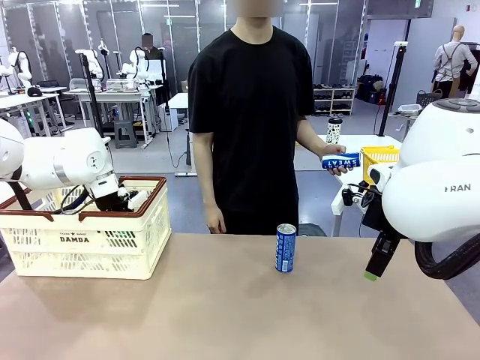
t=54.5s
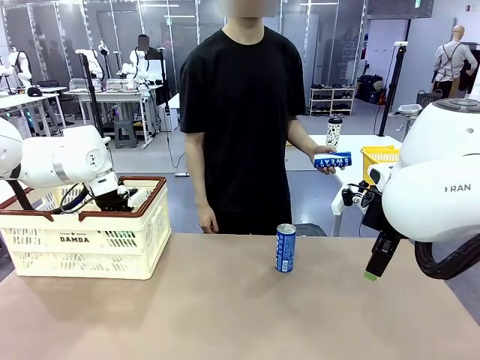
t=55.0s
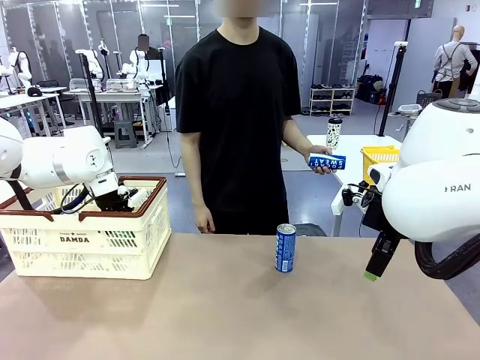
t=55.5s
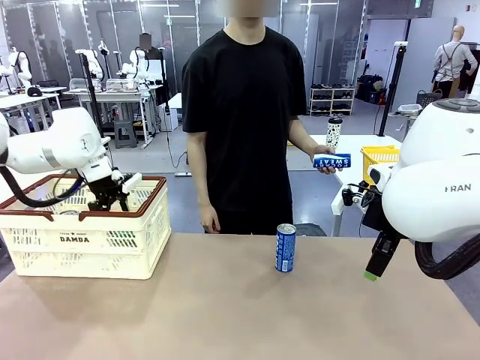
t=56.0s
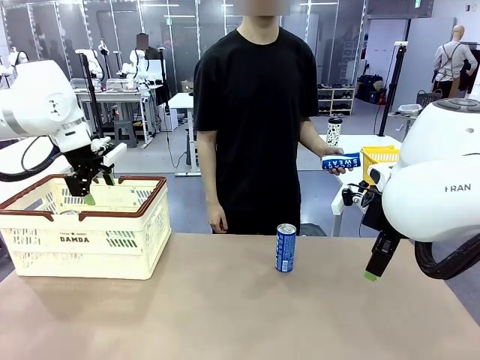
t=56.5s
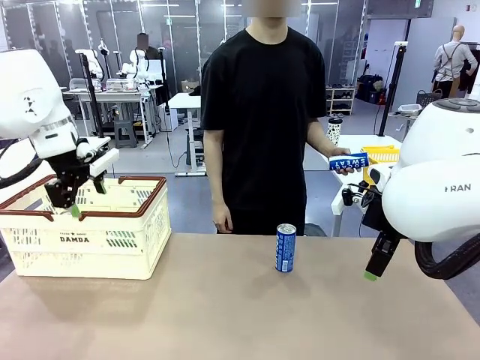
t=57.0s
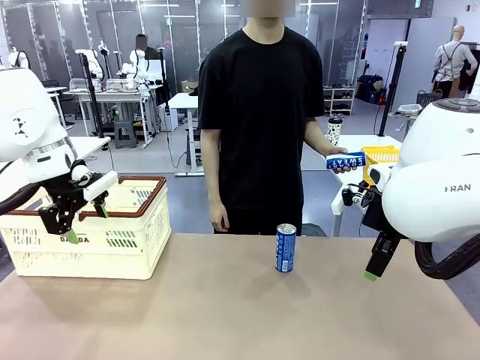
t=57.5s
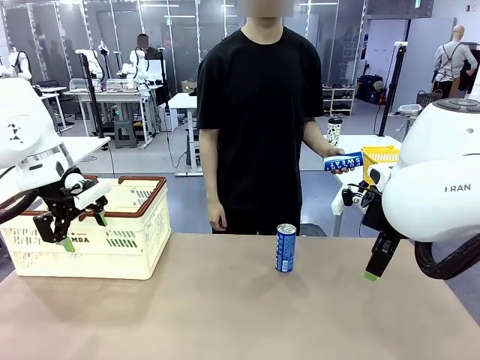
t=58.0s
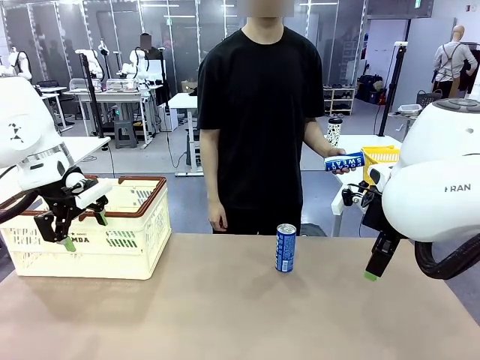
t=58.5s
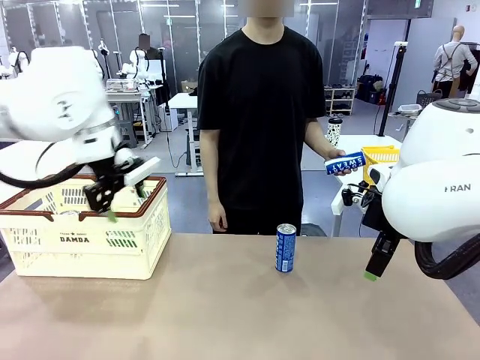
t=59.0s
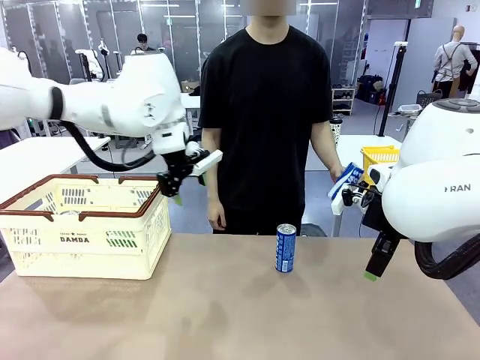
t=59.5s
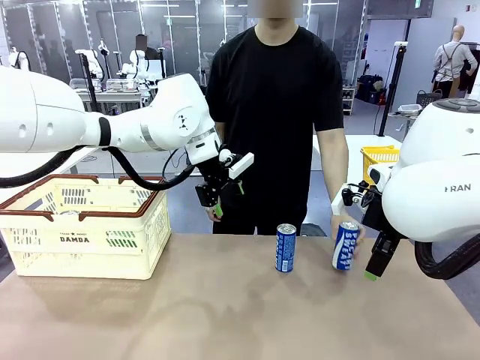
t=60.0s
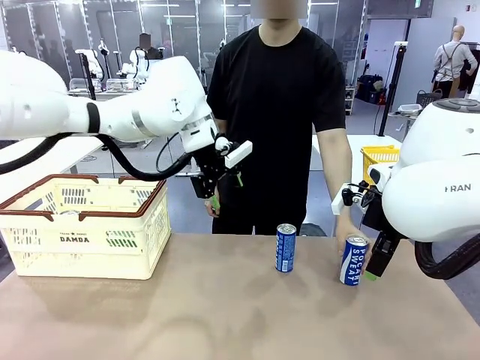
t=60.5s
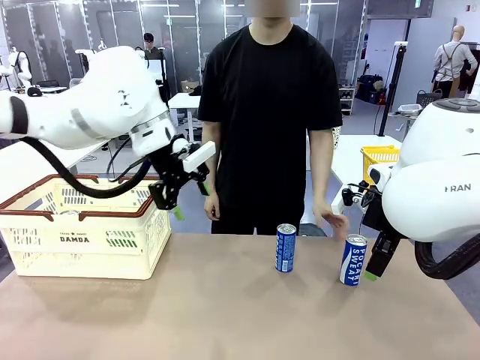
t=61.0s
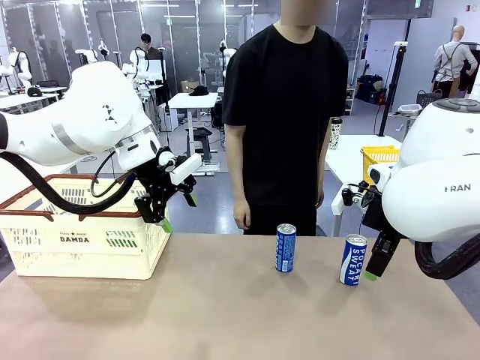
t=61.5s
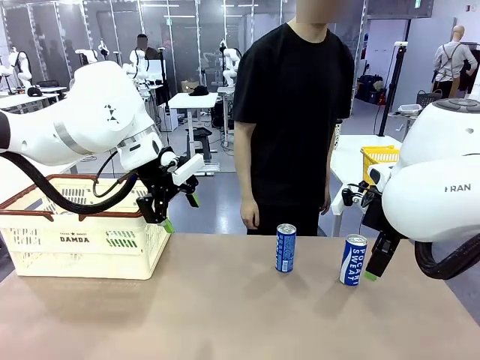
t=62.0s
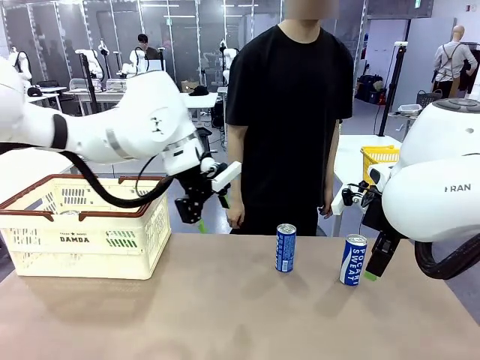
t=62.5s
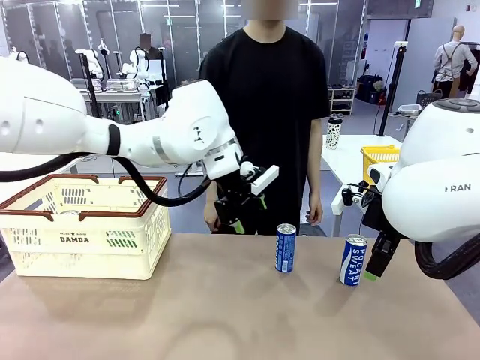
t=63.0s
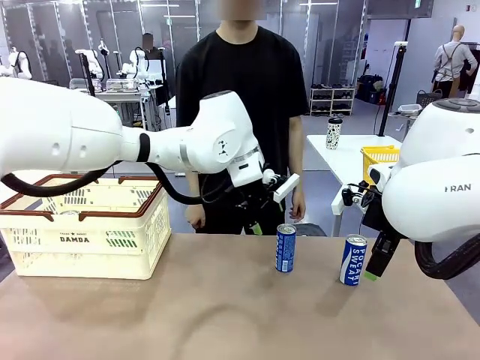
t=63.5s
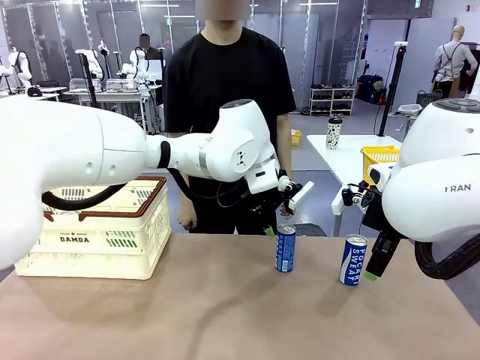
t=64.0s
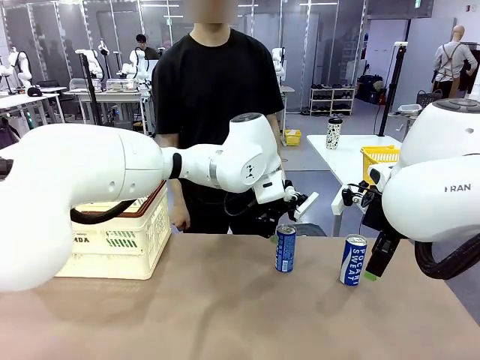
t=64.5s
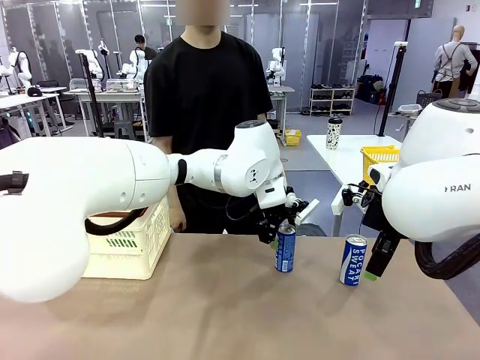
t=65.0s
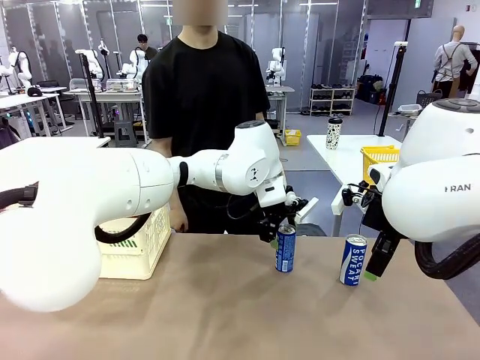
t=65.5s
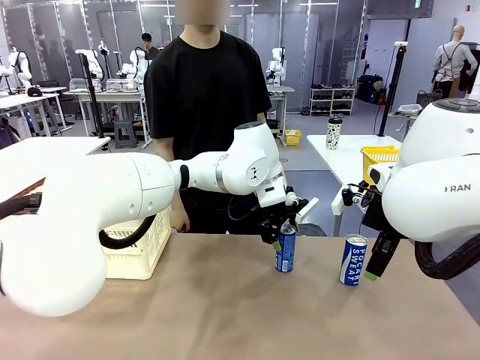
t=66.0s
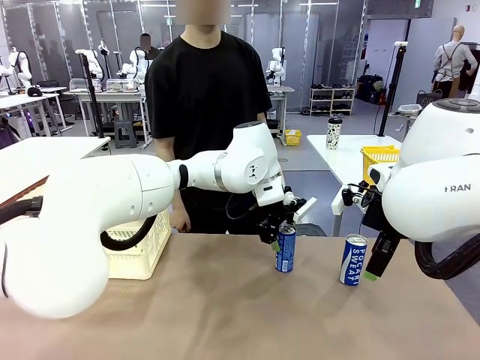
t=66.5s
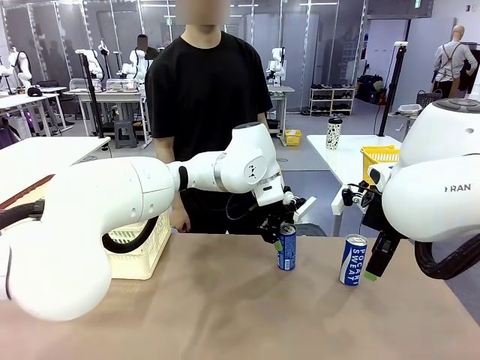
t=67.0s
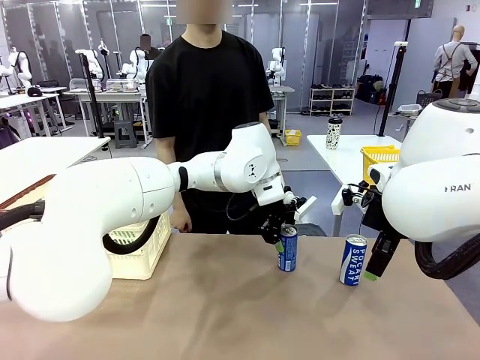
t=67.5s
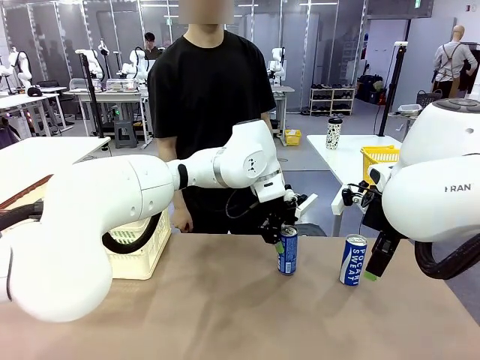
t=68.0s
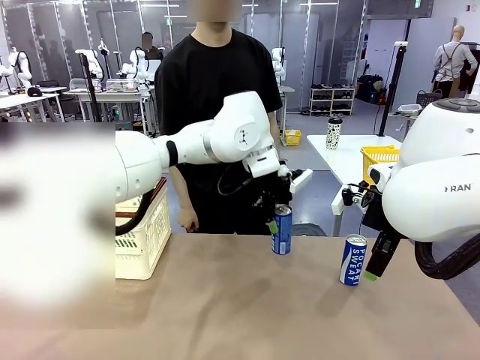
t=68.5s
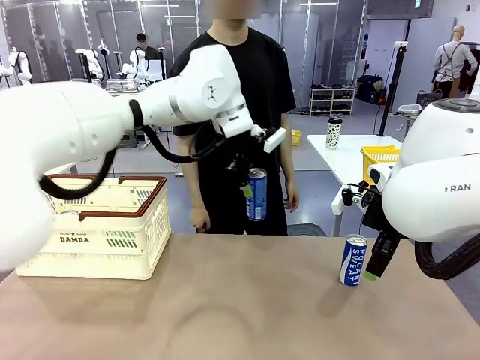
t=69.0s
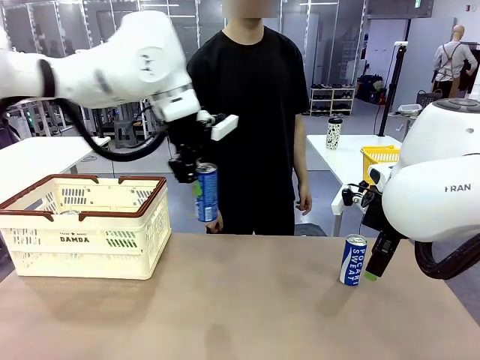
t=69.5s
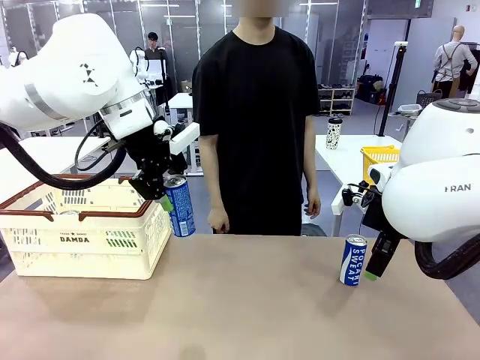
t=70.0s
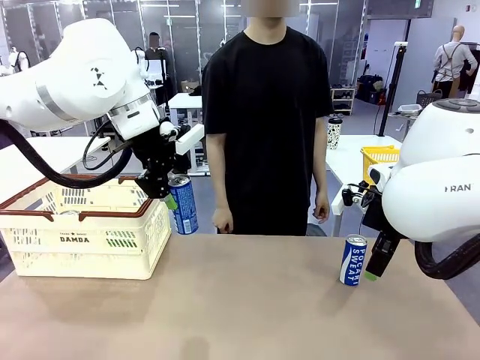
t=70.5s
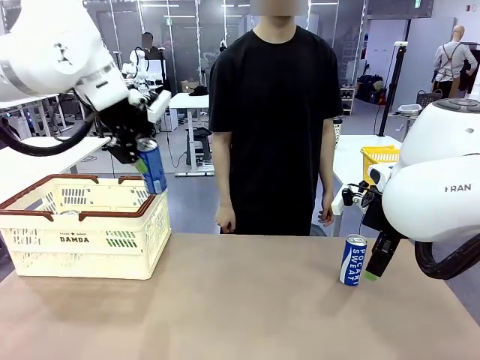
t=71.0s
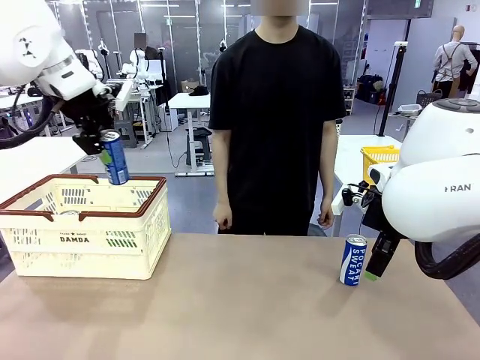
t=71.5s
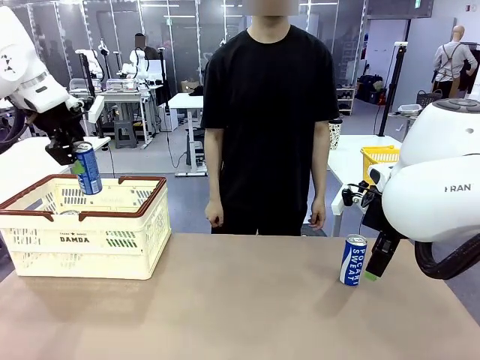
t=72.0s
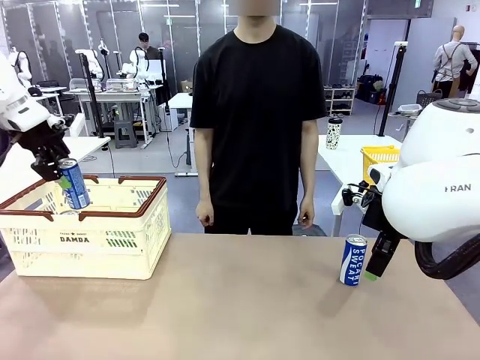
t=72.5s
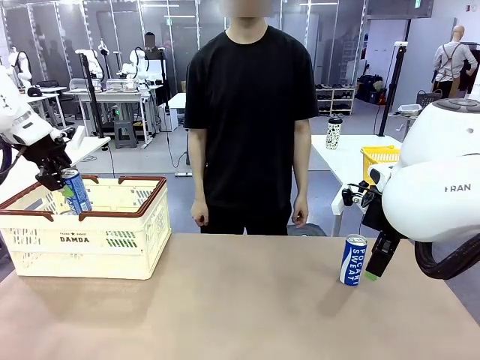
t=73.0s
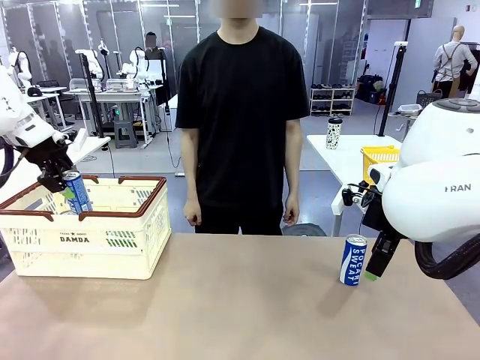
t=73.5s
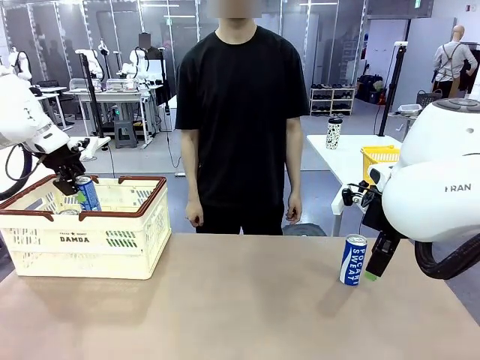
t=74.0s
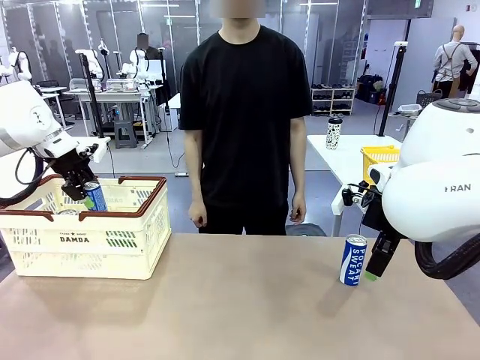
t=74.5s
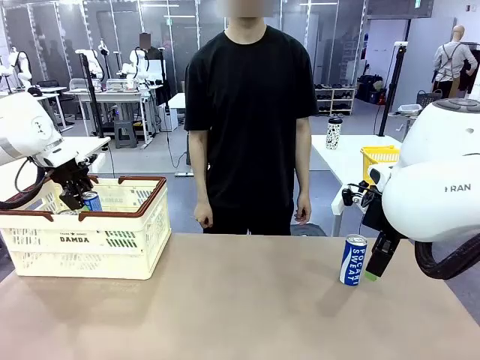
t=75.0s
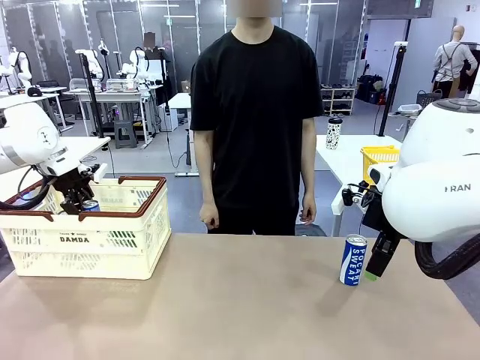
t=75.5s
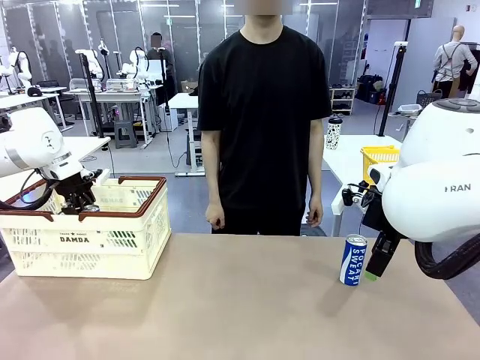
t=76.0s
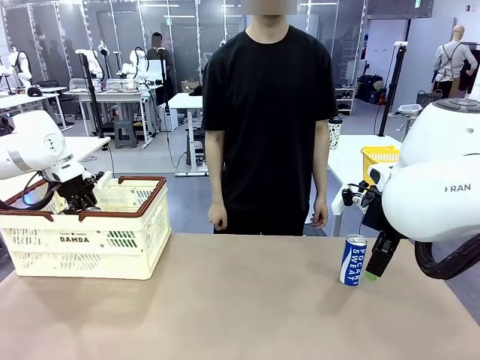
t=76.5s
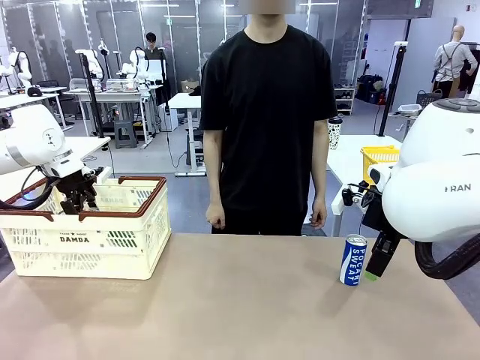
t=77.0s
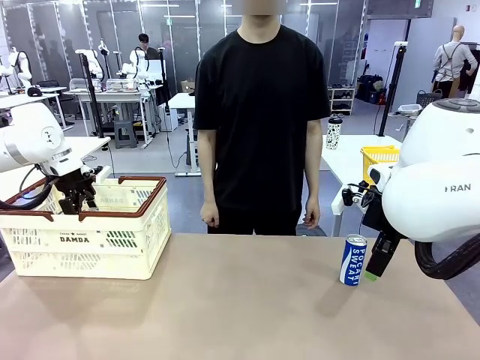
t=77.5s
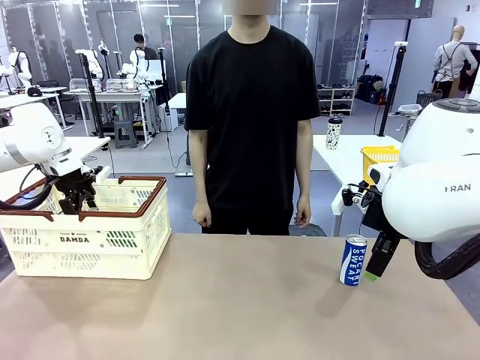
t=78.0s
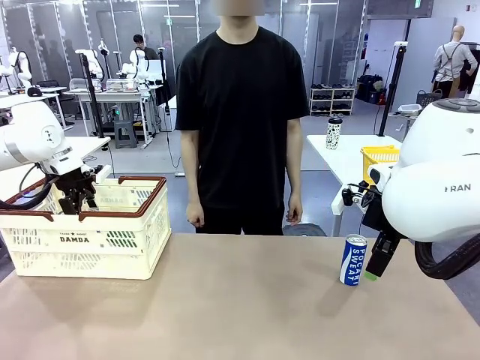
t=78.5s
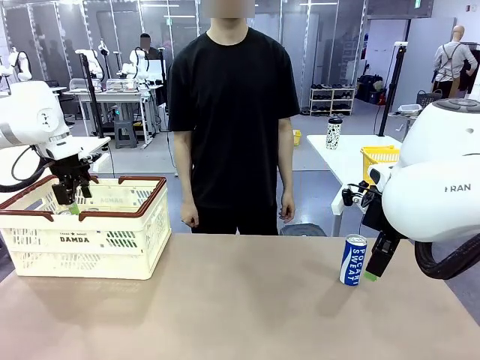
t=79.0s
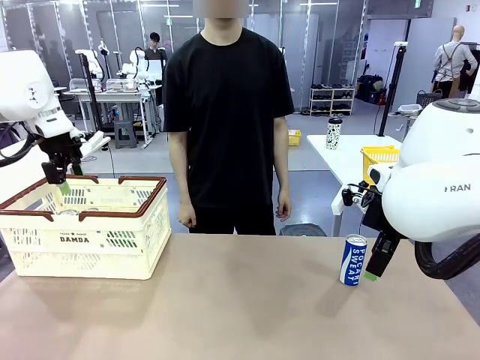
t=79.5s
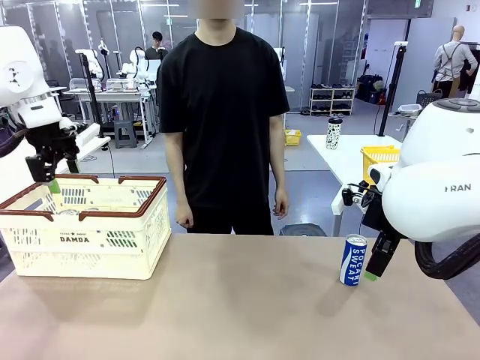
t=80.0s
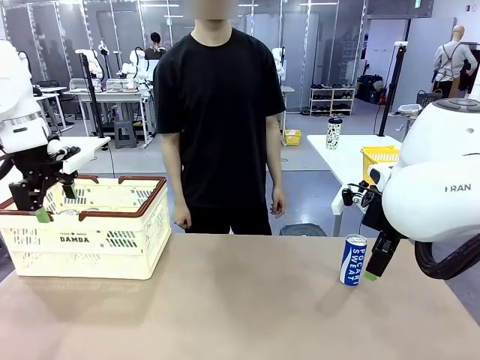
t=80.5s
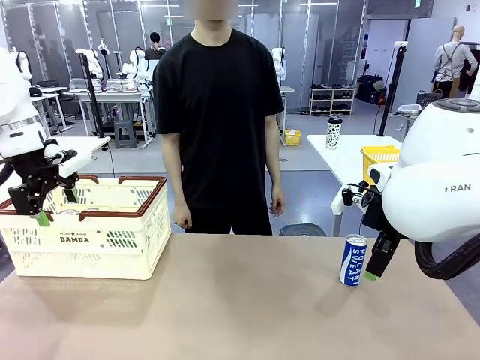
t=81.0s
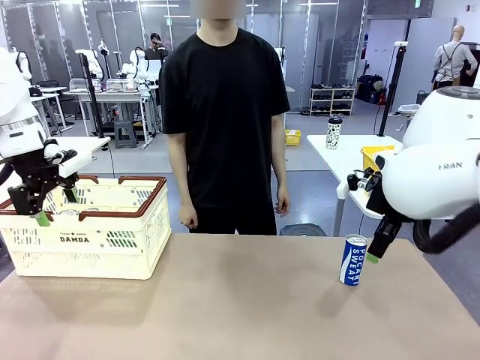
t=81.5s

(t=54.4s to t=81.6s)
Task: Place the drinks into the Shopping basket.
Robot: Pick up one drink and place it into the Shopping basket.
